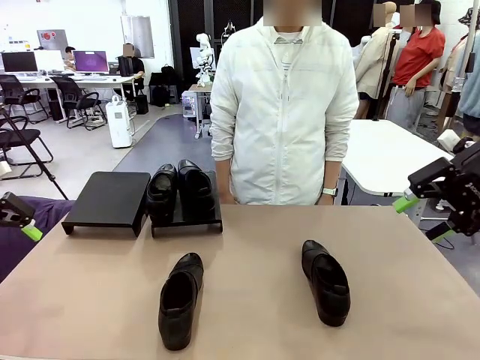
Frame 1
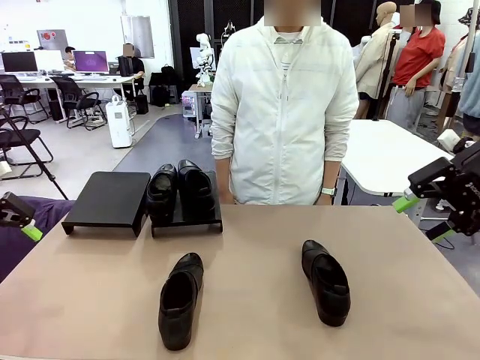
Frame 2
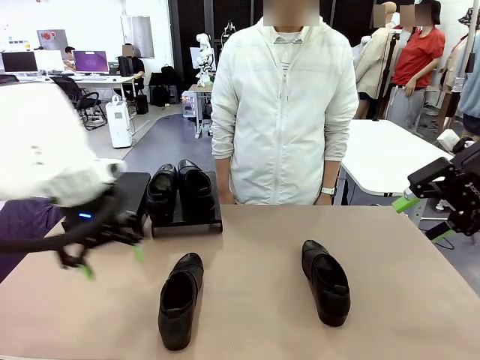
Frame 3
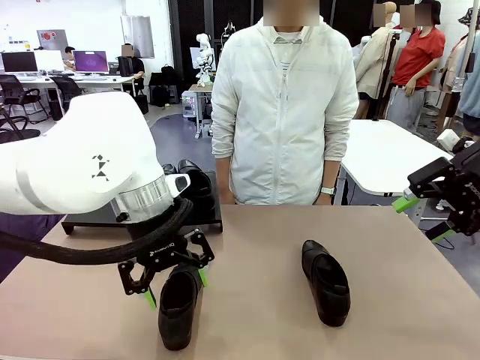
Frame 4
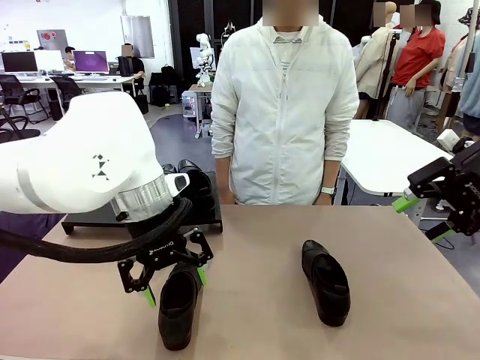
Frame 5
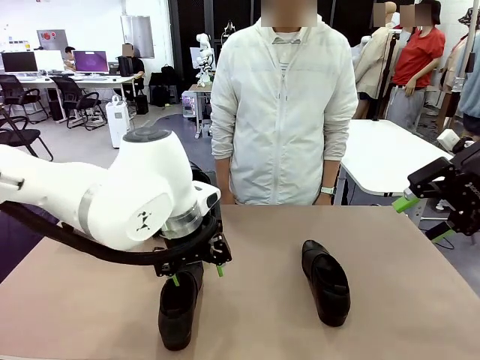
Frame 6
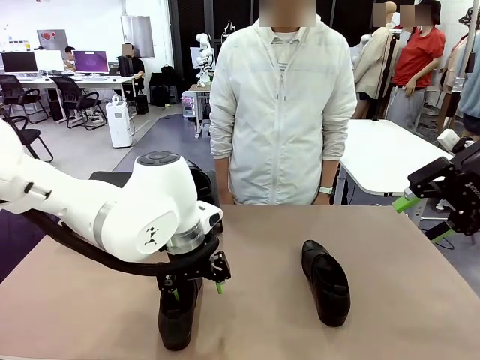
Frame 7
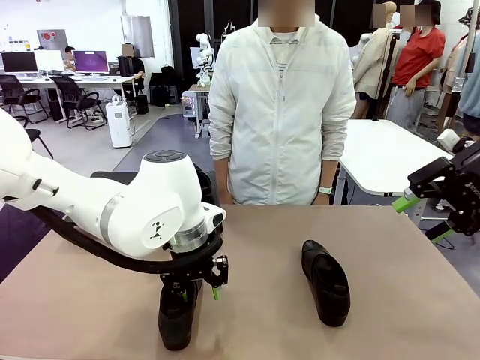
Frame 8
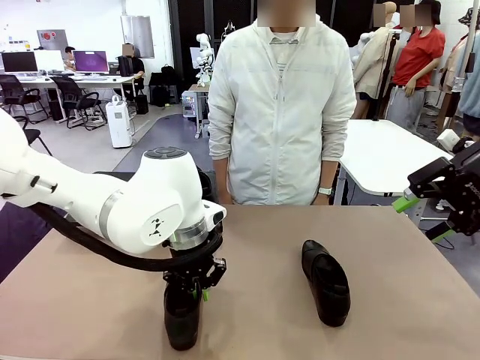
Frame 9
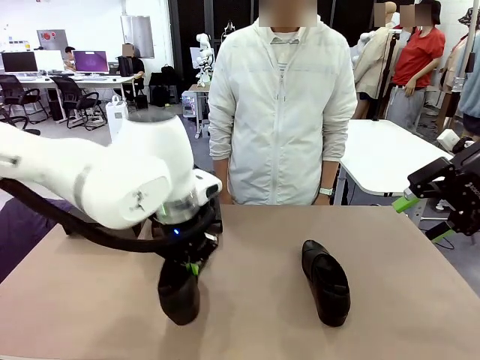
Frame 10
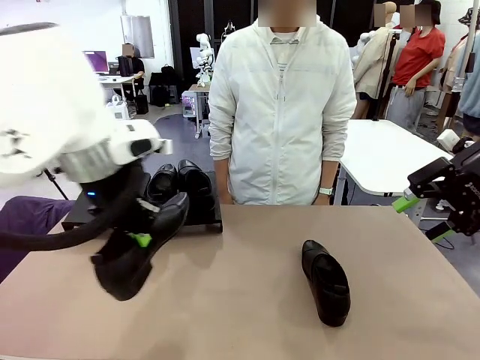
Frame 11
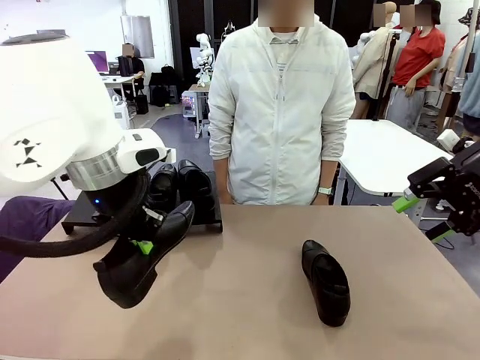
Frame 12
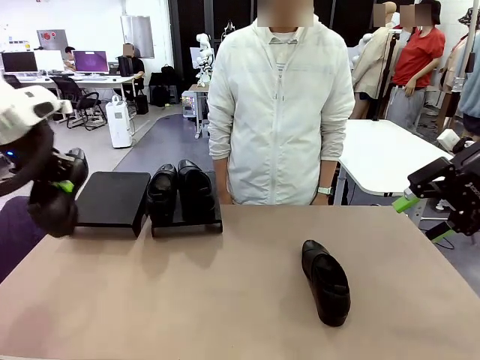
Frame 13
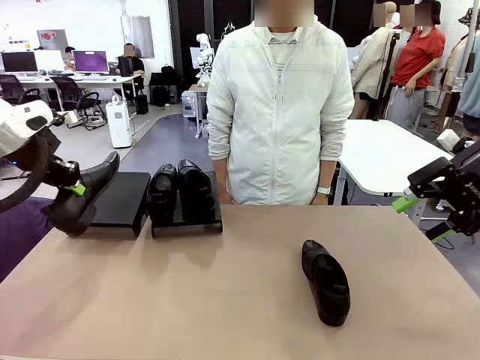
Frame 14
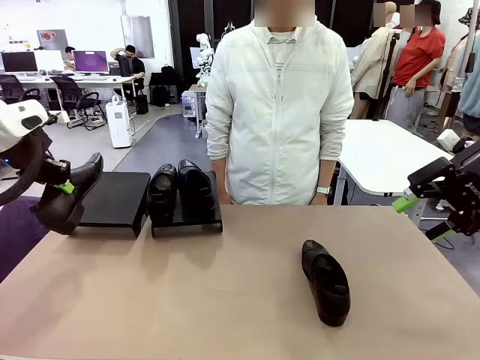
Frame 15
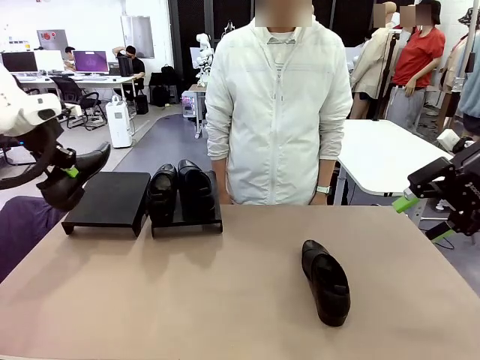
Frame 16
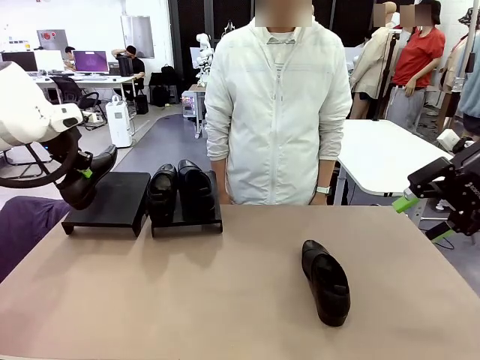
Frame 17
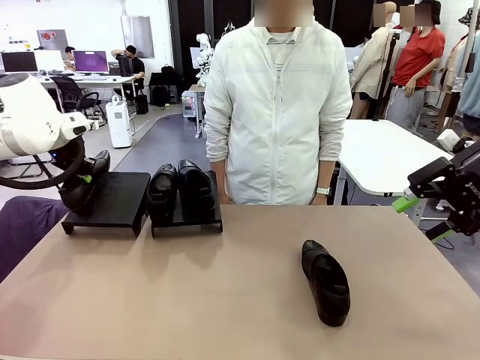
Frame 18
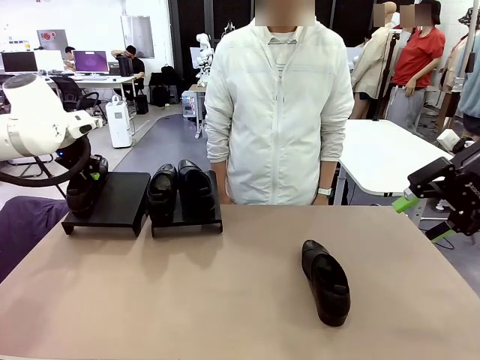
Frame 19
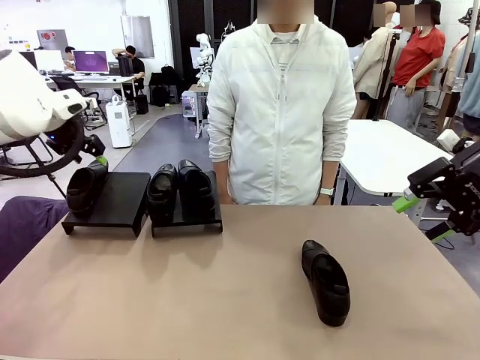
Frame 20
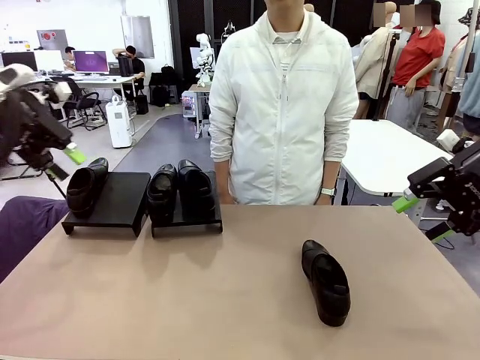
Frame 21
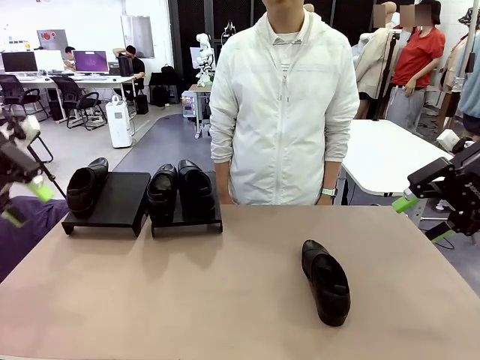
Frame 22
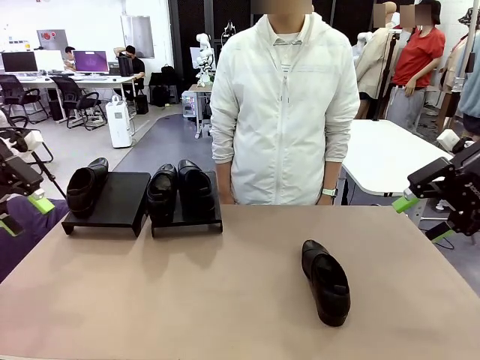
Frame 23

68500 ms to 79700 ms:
Task: Organize the shoes by placing them on the stand.
Robot: Place the Shoe from the middle of the table onto the Shoes Stand.

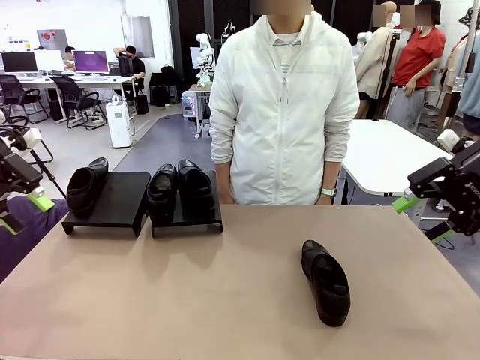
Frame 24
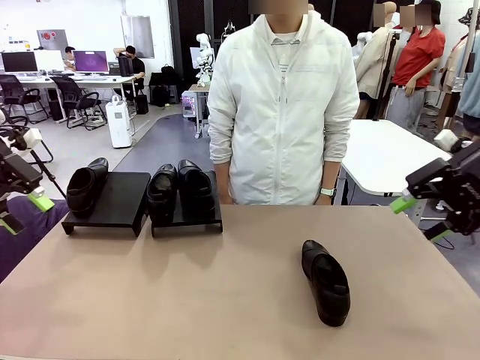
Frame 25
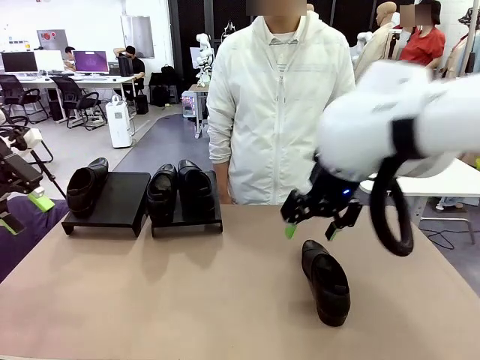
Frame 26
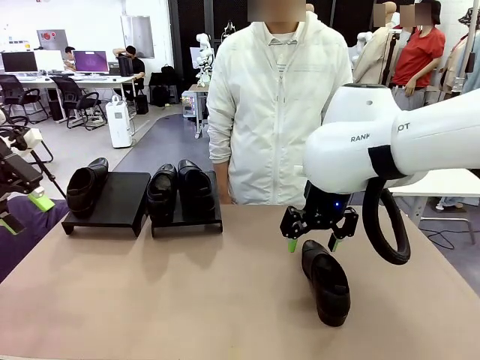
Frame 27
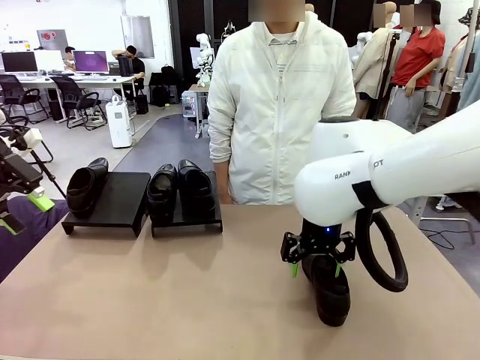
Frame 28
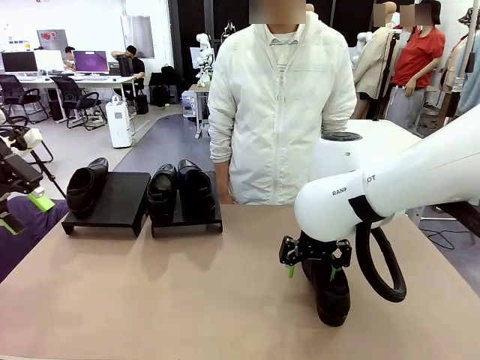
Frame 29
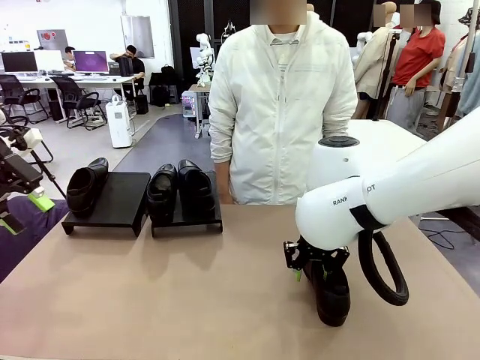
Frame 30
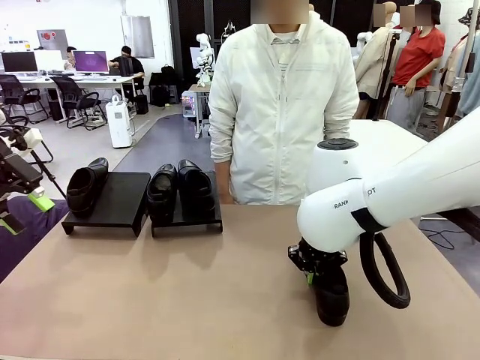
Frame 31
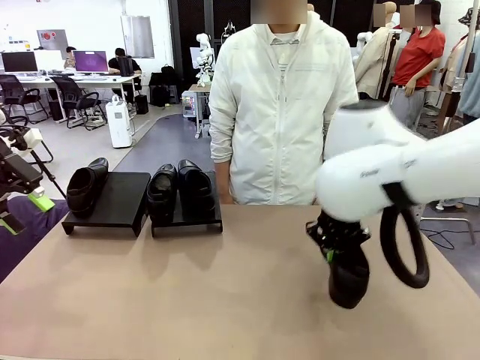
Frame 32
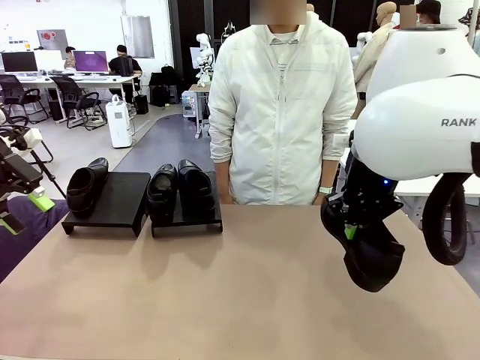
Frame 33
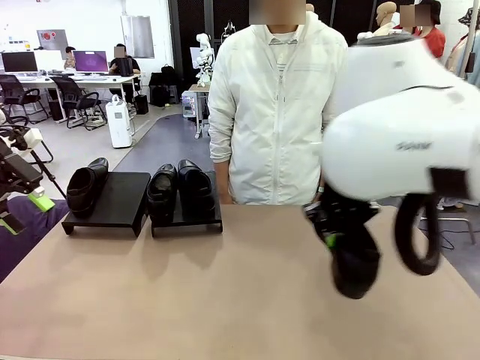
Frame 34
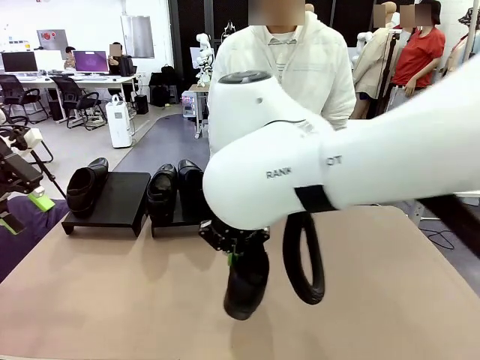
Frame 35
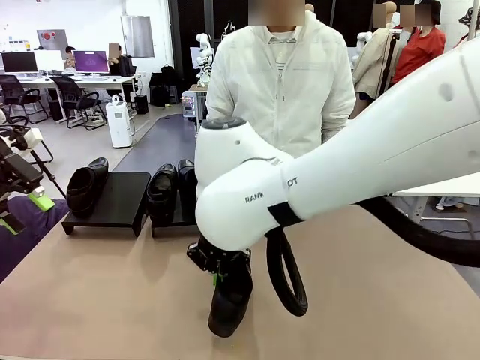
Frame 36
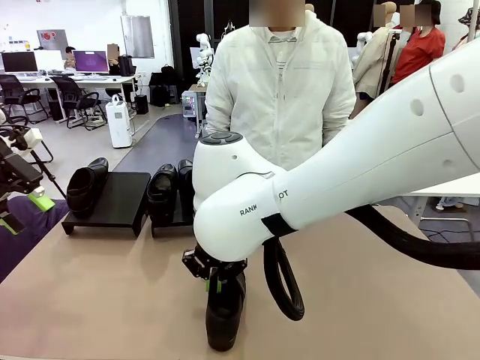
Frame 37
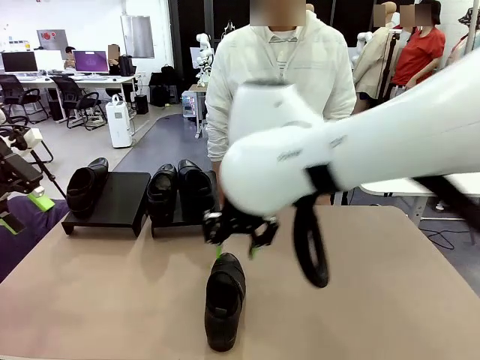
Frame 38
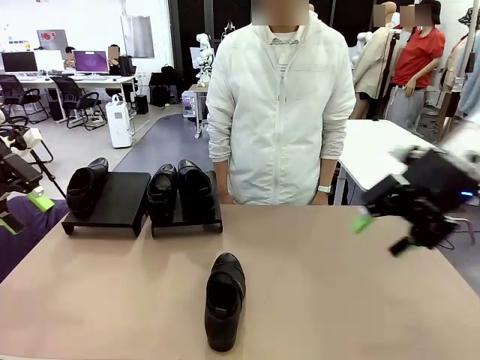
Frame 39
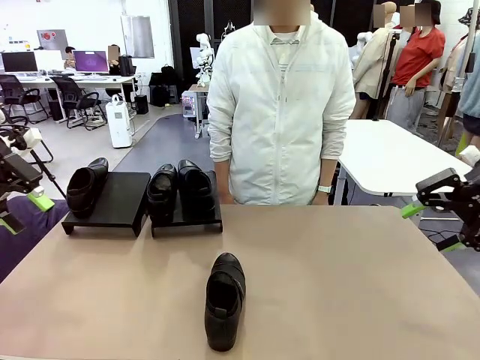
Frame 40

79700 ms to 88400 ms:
Robot: Pick up one Shoe and place it in the middle of the table.

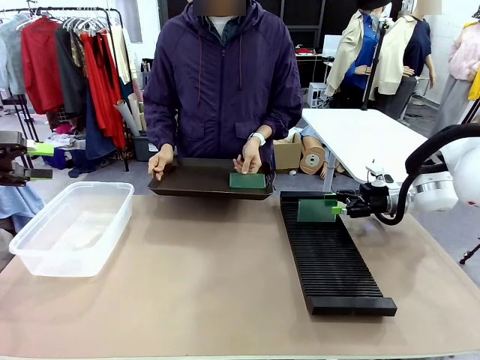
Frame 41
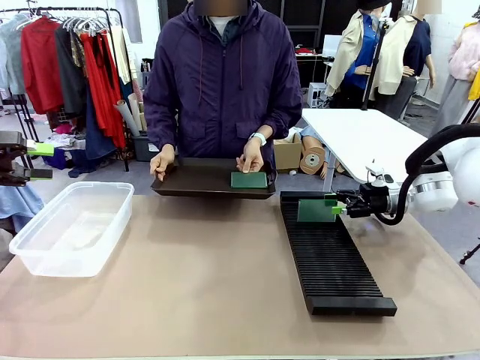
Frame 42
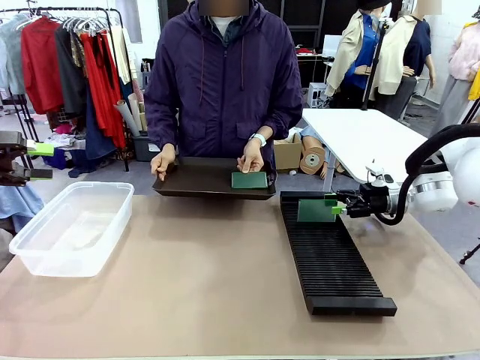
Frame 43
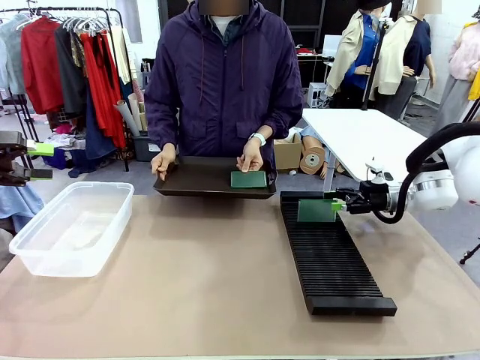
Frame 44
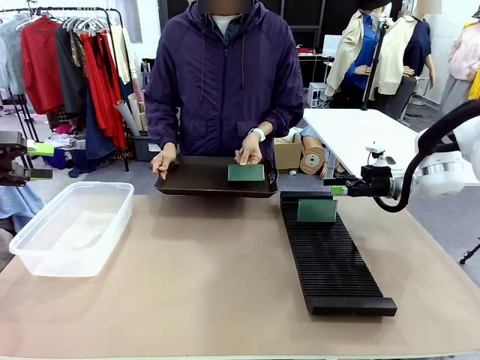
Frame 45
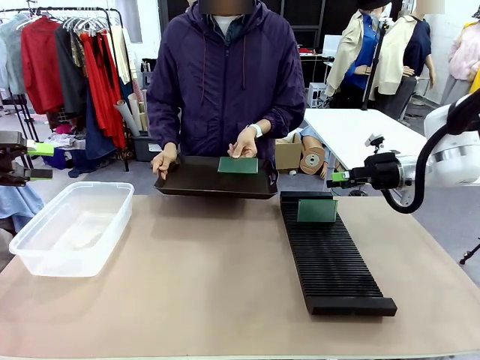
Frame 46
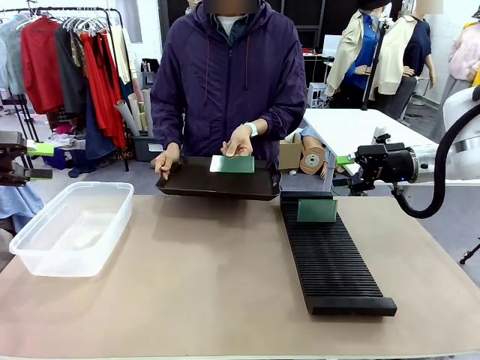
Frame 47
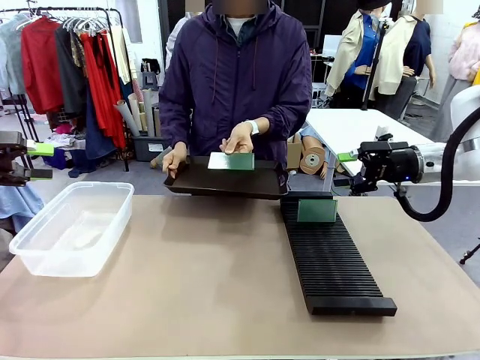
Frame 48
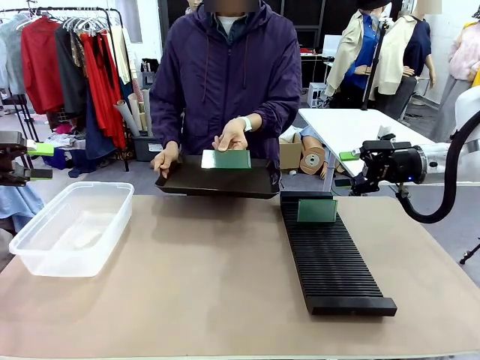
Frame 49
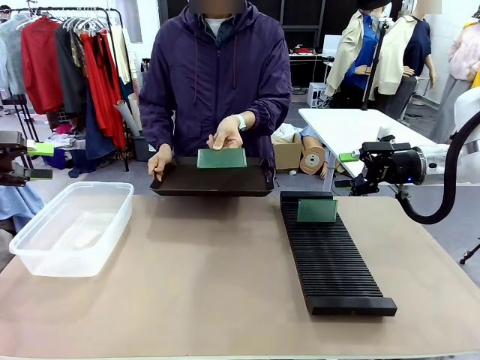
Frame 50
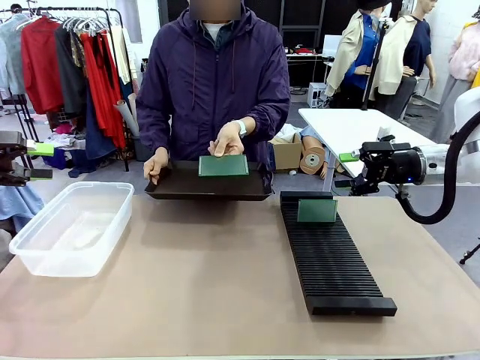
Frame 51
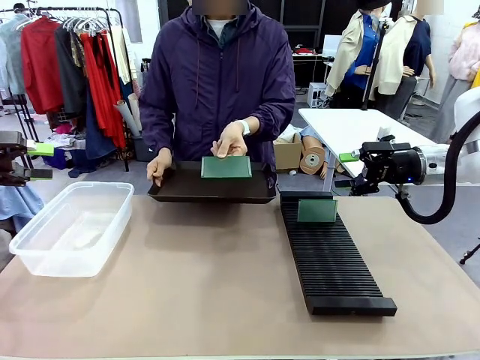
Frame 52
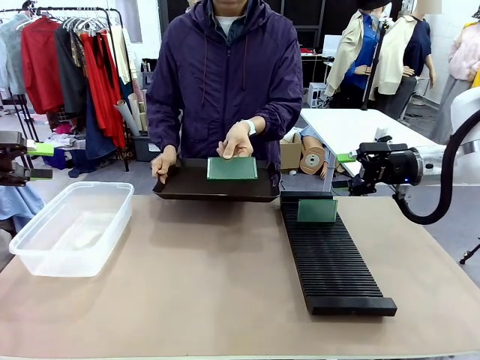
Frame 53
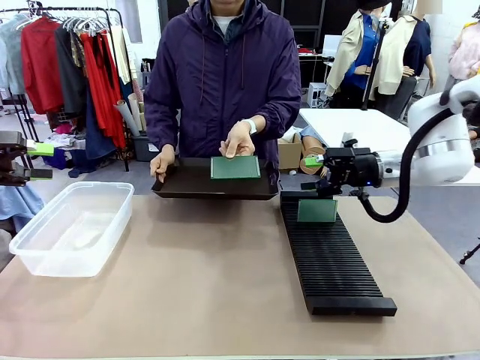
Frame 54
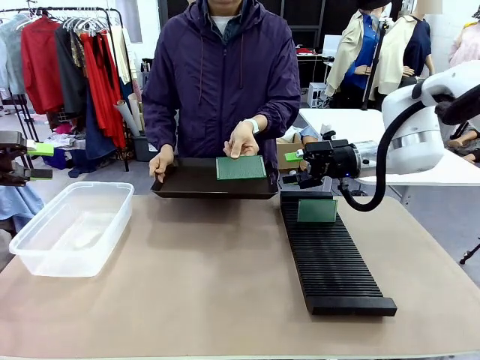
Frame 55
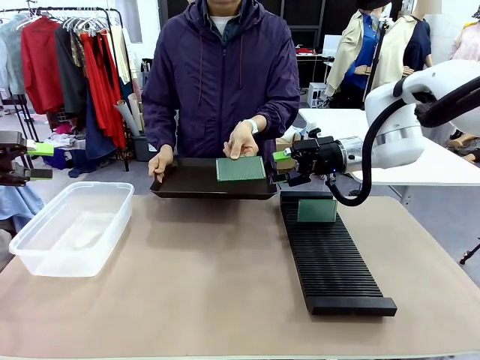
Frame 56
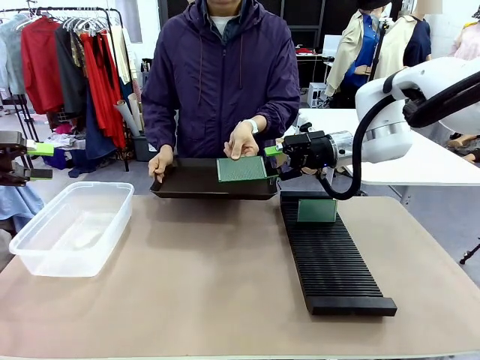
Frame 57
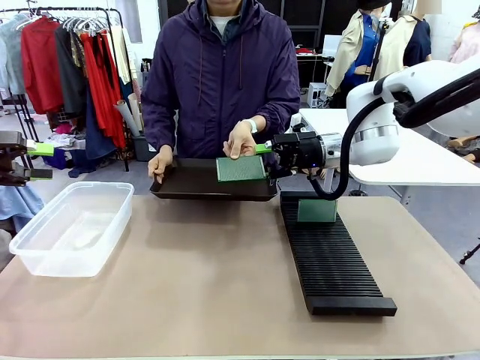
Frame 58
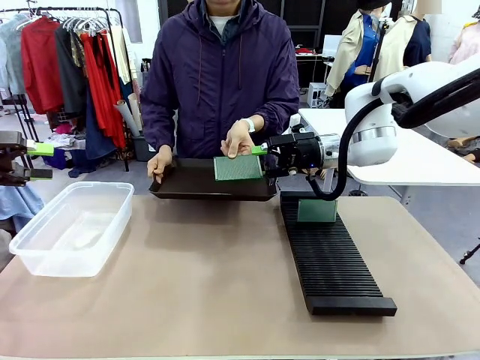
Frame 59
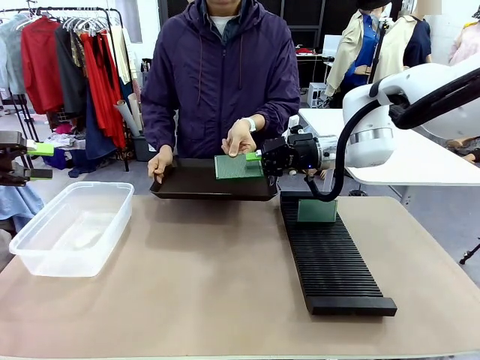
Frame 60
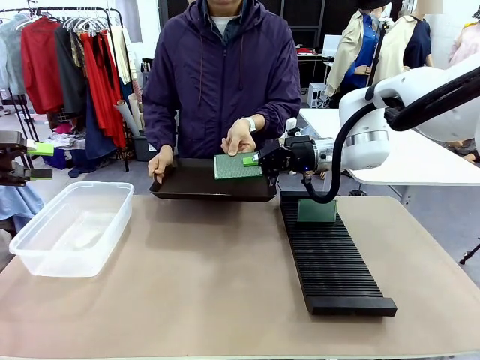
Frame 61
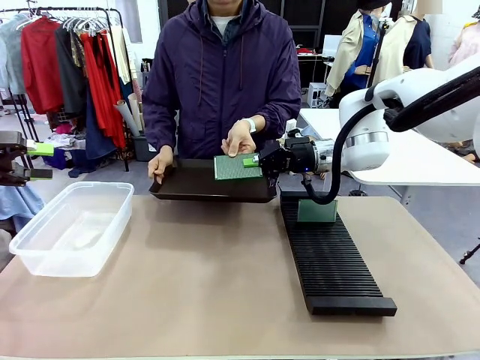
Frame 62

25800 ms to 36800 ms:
Task: Sort PCBs into racks and boxes based on the side picked up.
Robot: Pick up the Blank PCB handed by the Human.
